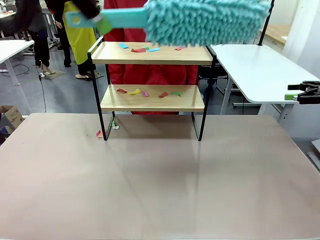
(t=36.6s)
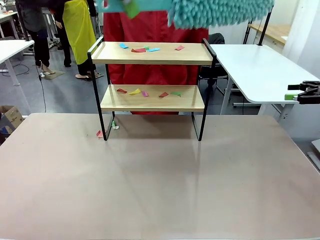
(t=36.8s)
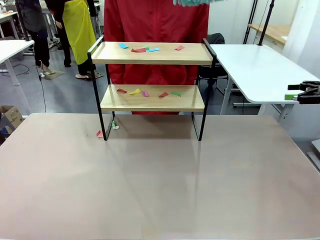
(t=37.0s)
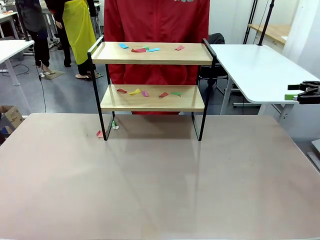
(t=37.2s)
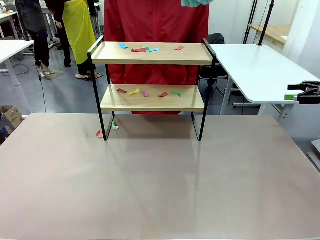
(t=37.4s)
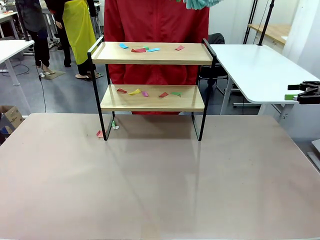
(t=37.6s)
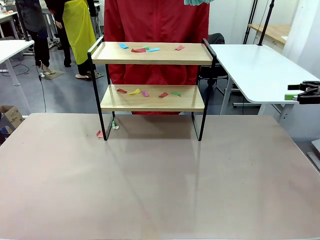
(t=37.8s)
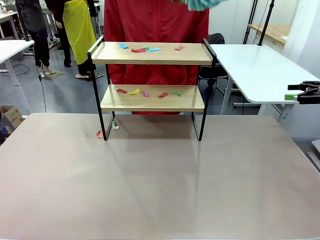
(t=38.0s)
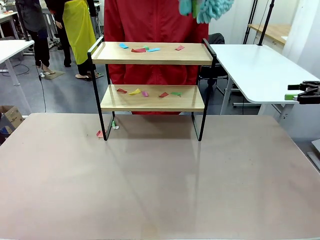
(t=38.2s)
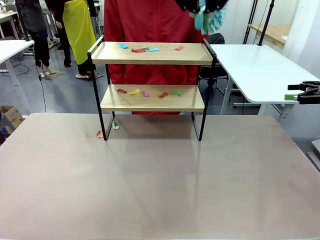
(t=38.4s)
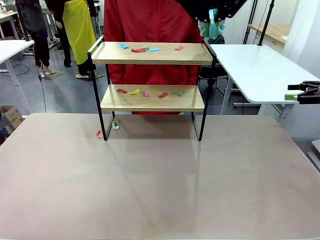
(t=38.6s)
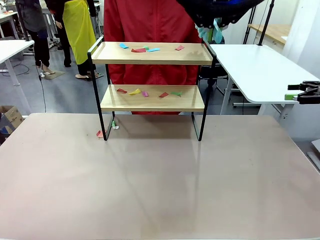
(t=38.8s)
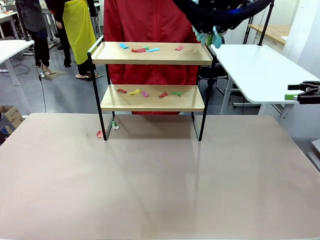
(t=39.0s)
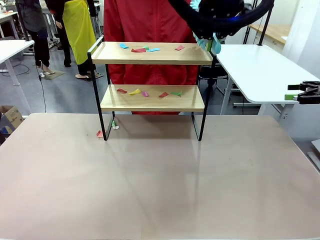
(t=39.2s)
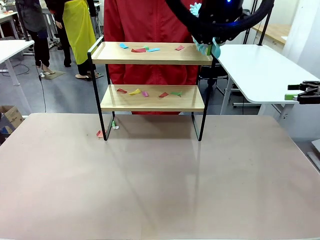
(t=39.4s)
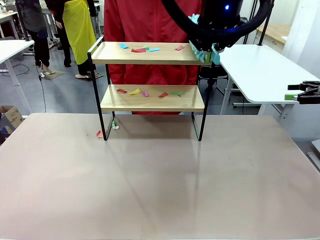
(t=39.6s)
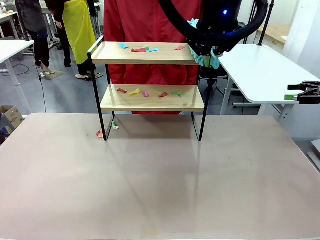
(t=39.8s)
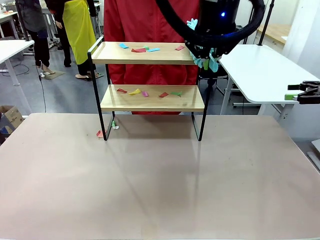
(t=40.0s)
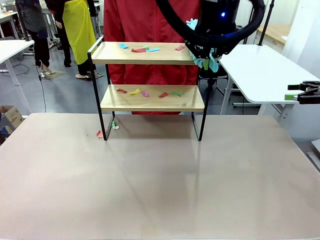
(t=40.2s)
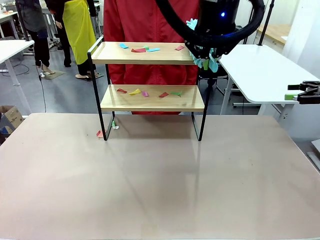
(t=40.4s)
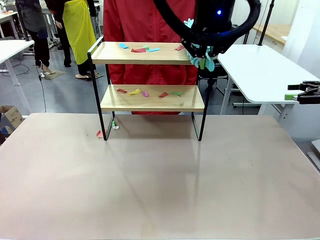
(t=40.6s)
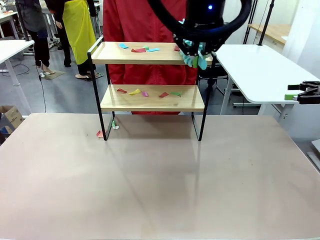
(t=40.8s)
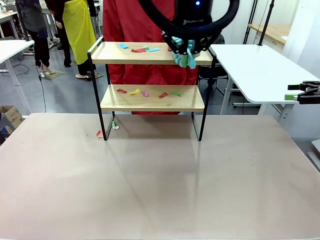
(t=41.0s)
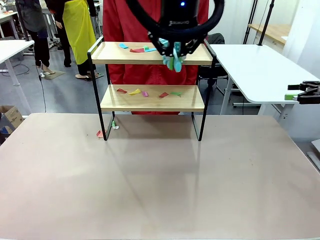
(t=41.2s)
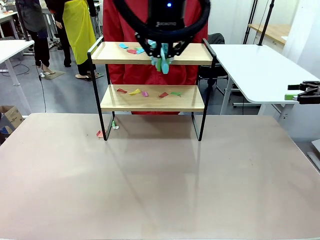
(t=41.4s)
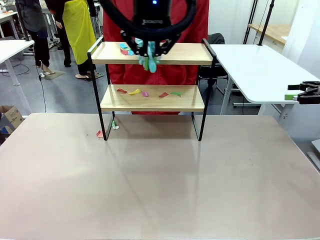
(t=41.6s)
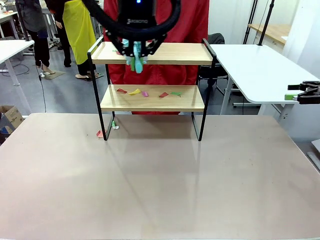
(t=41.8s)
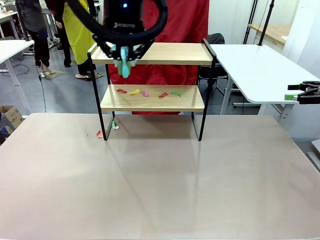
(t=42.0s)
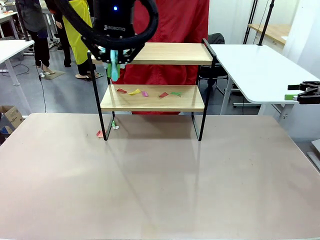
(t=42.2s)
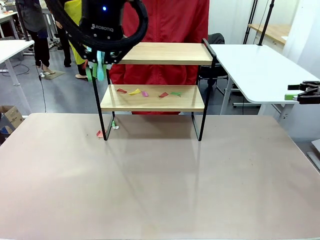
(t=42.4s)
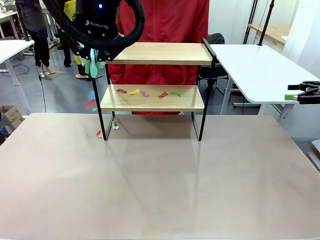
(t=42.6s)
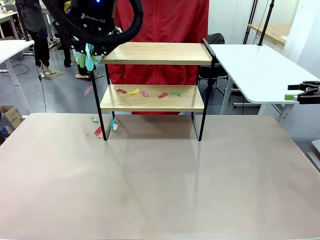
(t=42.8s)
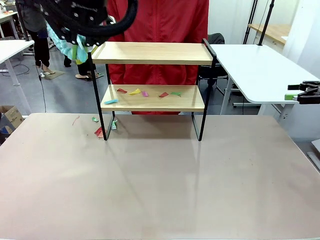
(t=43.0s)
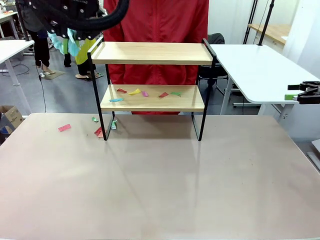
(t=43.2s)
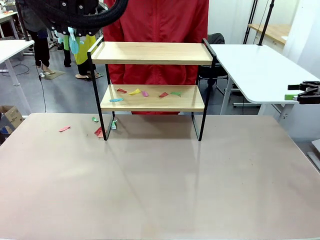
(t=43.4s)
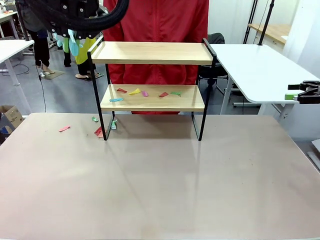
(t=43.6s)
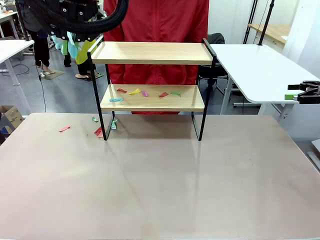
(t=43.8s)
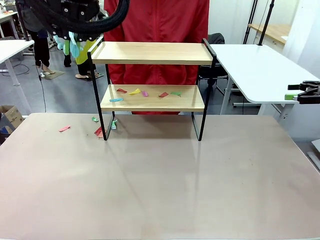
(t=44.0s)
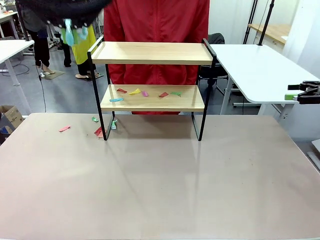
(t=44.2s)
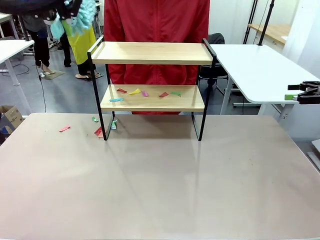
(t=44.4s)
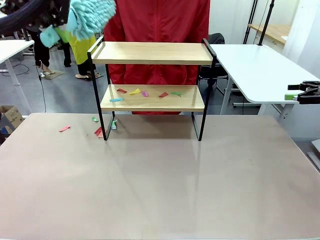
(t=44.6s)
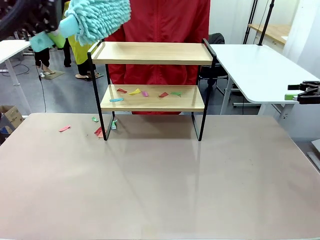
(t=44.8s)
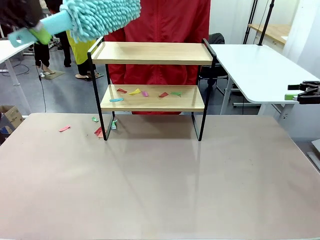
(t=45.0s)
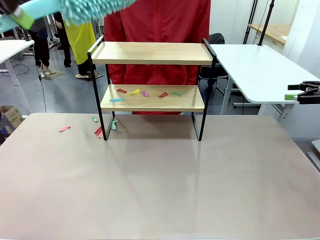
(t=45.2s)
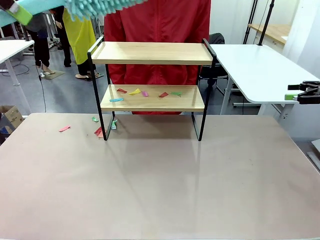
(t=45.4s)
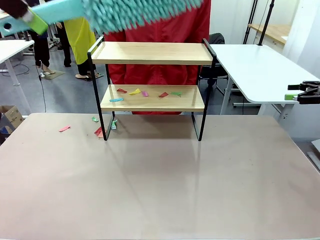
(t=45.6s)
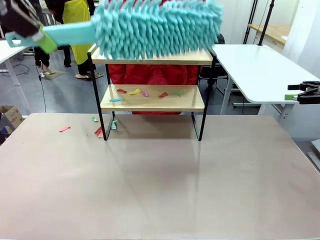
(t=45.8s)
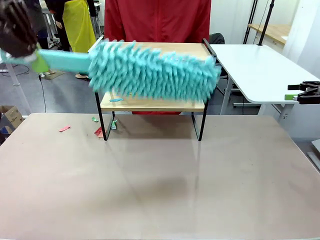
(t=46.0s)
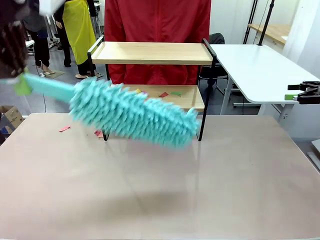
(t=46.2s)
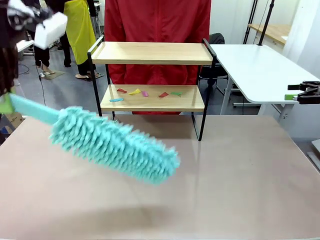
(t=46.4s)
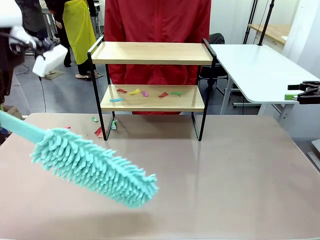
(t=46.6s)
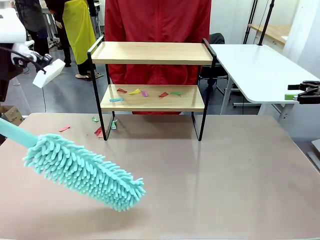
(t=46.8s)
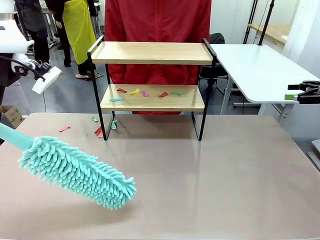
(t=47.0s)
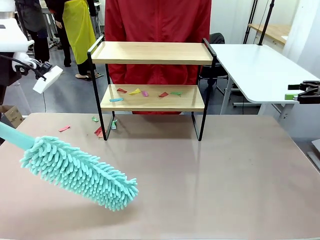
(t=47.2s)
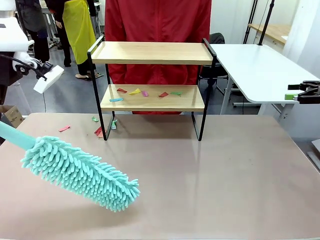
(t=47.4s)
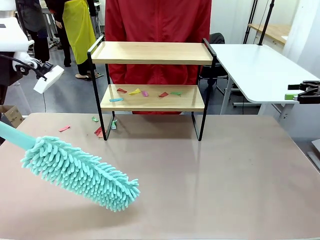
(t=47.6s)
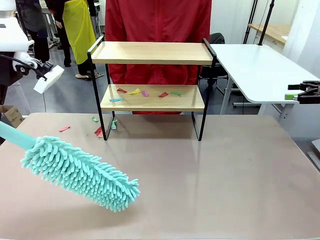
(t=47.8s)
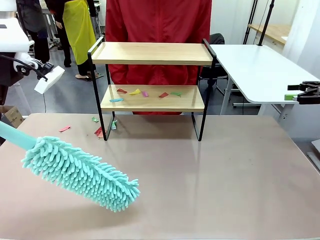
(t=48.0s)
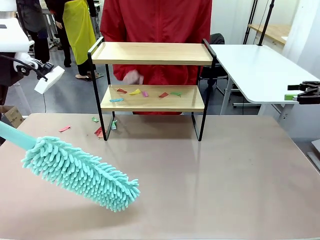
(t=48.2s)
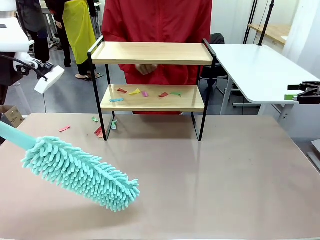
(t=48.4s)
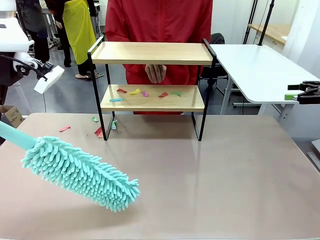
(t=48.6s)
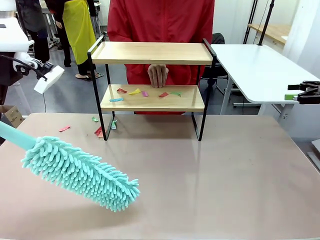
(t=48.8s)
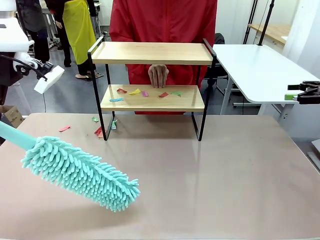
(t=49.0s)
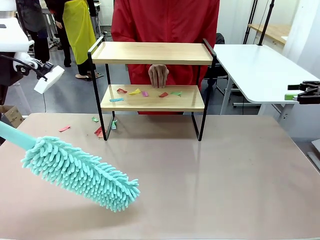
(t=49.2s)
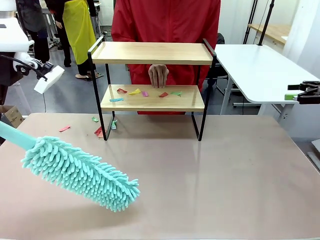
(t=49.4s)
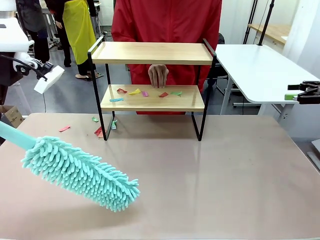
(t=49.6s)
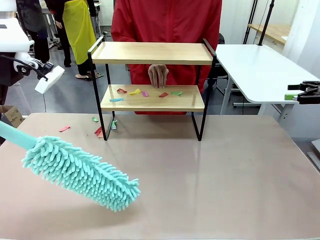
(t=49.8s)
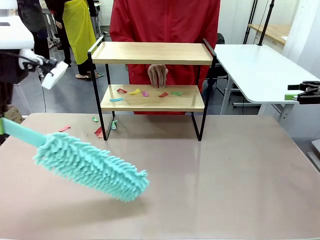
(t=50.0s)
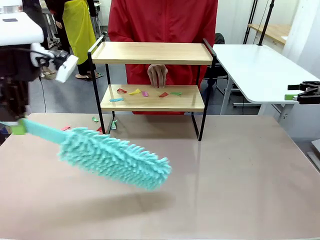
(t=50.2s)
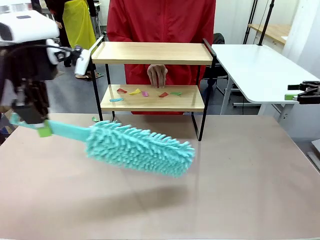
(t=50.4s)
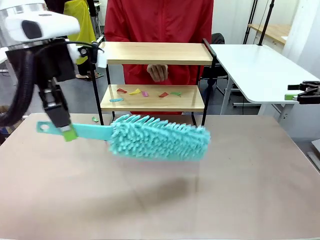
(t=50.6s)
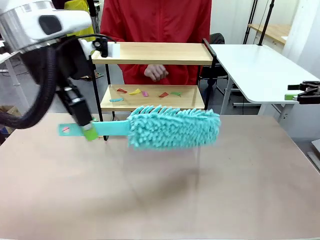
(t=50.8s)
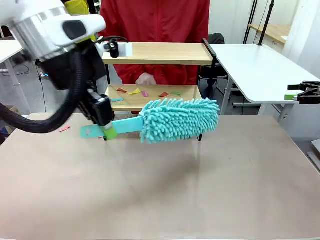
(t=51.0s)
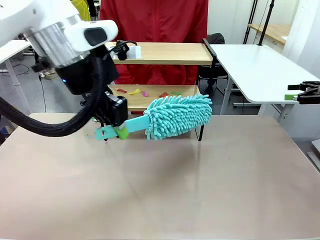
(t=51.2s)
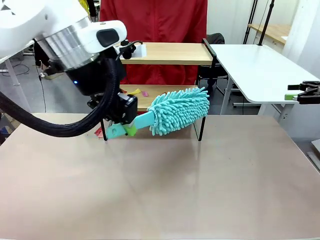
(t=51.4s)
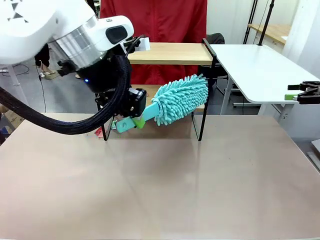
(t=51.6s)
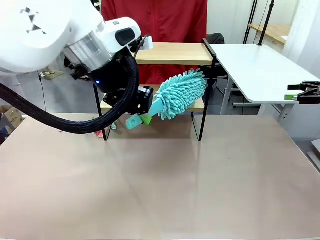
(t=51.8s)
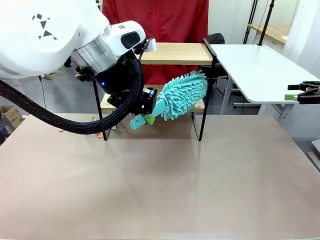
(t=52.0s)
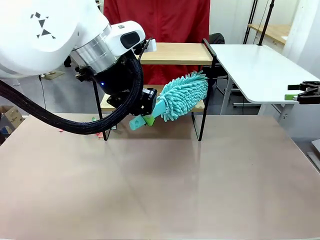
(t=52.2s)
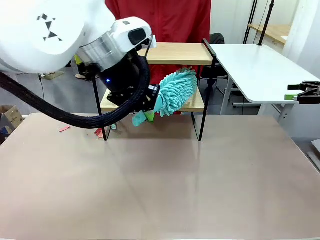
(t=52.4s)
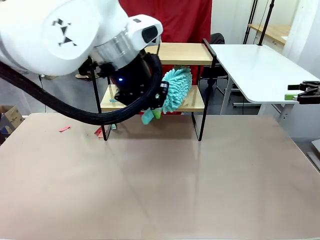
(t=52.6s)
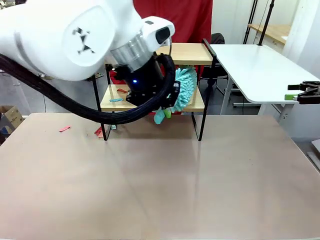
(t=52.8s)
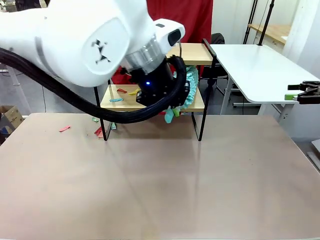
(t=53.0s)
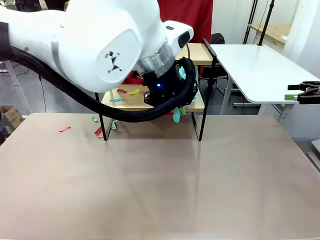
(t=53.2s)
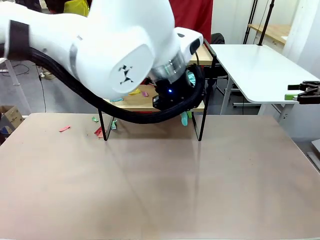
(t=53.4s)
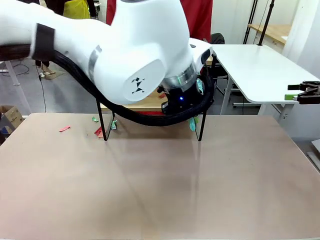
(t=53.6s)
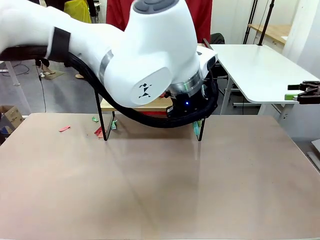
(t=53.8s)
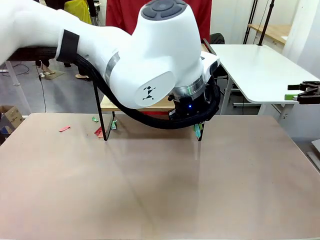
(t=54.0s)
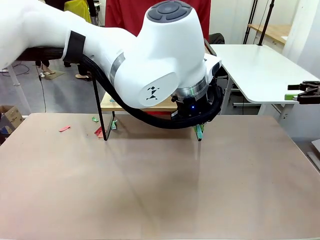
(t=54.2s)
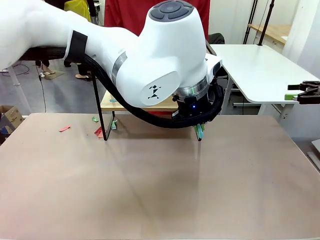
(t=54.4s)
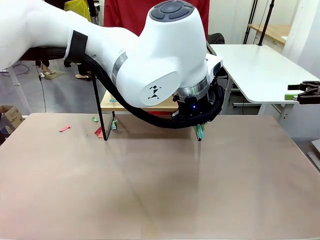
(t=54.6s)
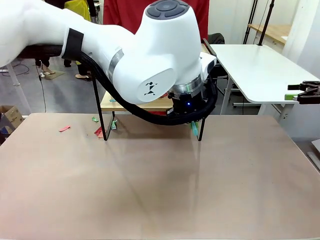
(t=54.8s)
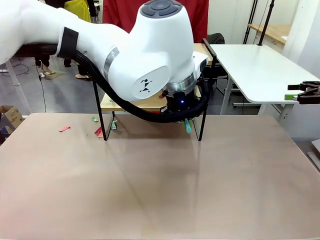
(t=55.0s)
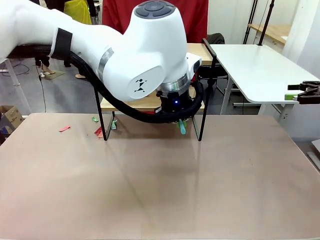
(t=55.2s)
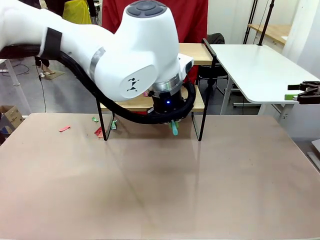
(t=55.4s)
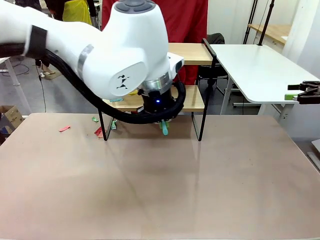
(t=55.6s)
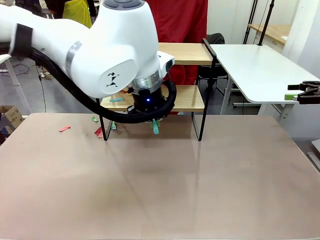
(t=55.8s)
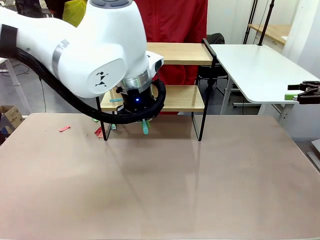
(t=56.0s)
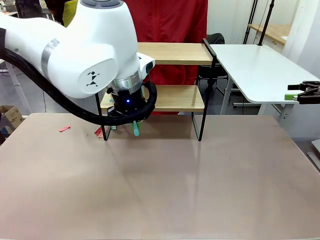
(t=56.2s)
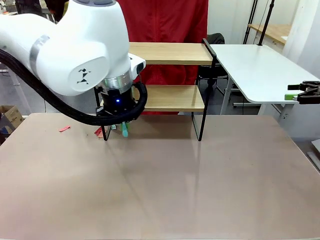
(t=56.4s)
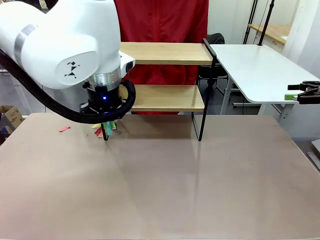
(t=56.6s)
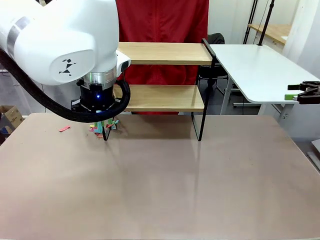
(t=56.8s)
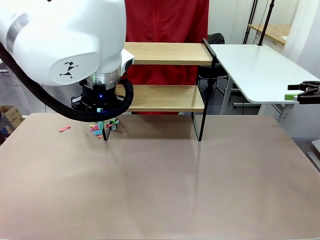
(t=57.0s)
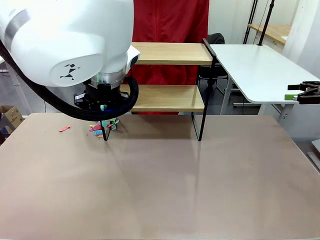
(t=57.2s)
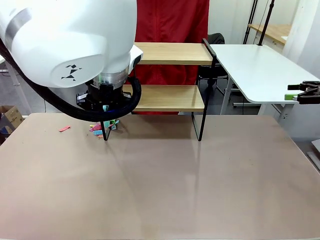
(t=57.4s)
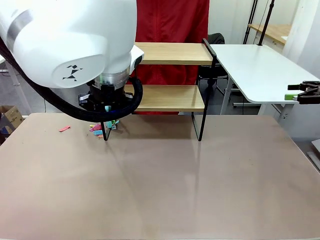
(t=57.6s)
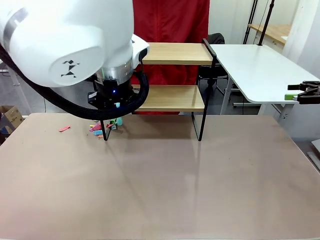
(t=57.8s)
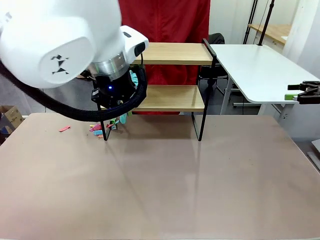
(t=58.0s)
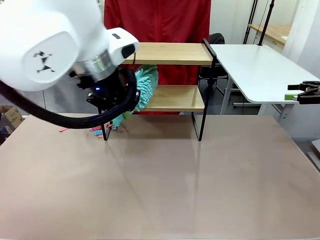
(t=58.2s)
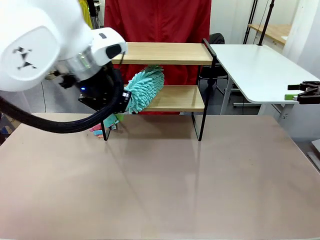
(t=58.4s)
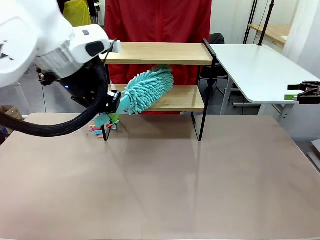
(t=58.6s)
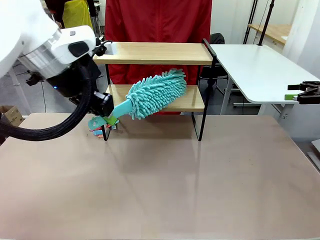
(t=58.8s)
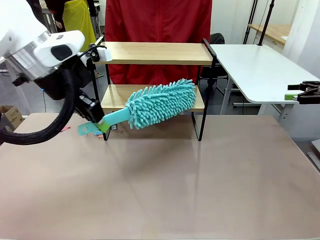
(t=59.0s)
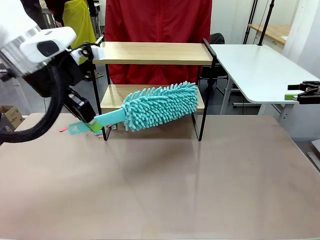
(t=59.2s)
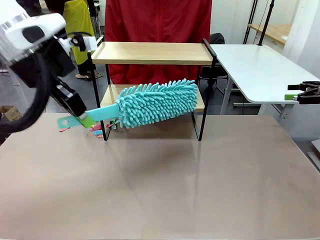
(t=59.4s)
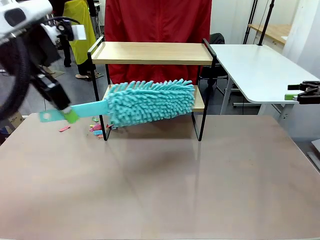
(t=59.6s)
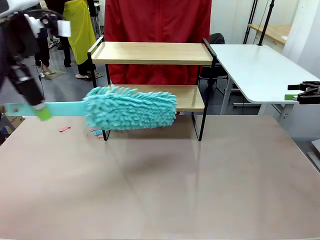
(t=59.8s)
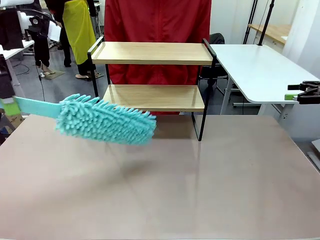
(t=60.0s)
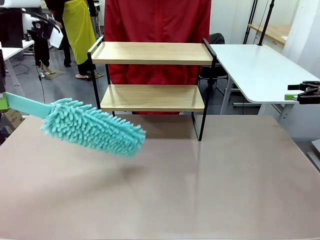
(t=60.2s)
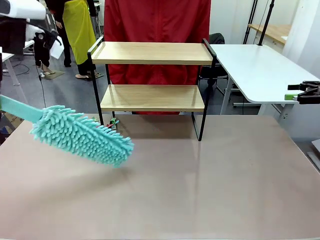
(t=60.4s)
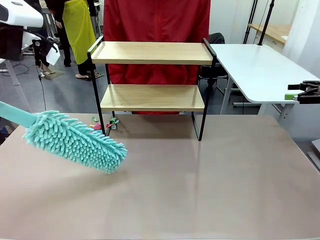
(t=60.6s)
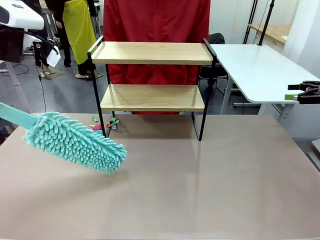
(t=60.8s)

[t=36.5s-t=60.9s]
Task: Clean the shelf.
Robot: Clean the specific section of the Shelf indicated by the human with the Duster.
Person: Point a remaining section of the Shelf.
